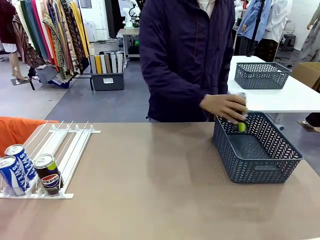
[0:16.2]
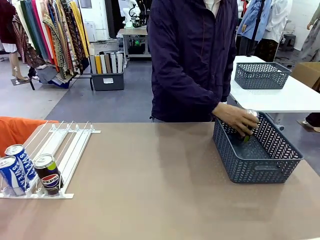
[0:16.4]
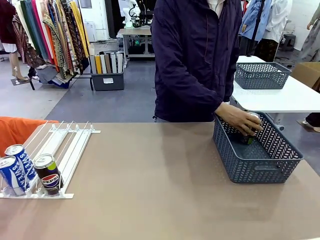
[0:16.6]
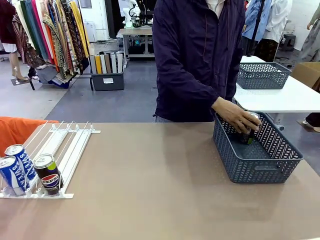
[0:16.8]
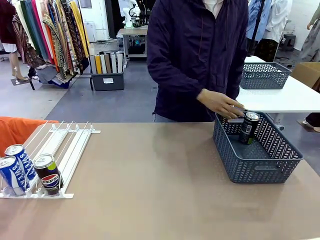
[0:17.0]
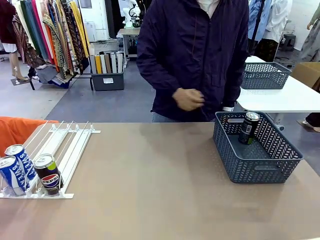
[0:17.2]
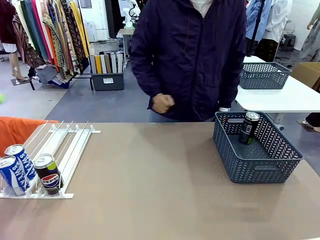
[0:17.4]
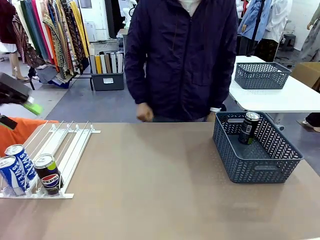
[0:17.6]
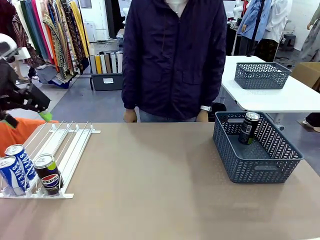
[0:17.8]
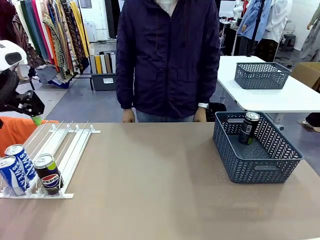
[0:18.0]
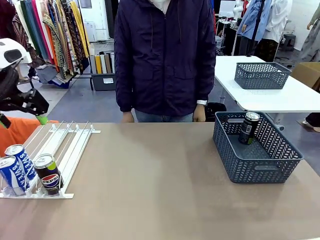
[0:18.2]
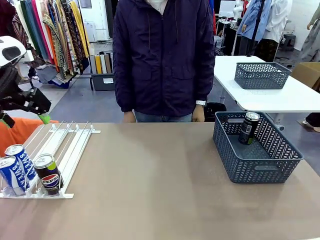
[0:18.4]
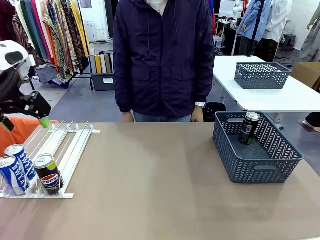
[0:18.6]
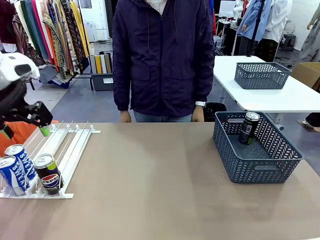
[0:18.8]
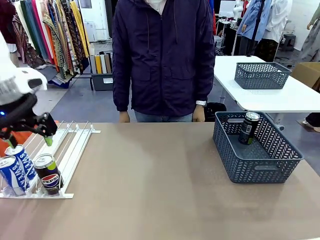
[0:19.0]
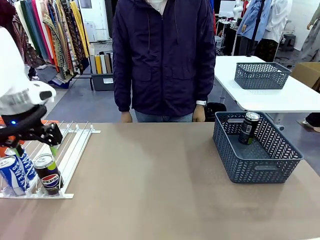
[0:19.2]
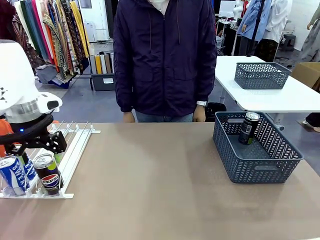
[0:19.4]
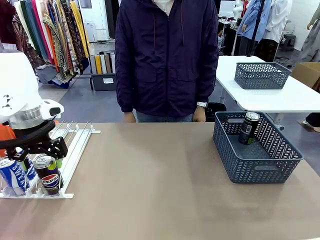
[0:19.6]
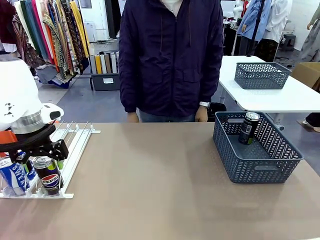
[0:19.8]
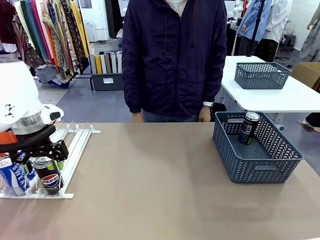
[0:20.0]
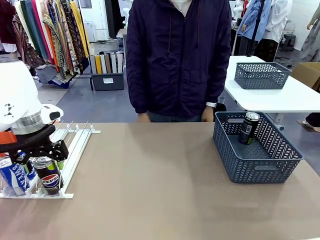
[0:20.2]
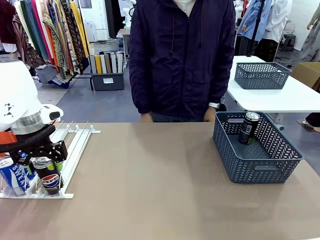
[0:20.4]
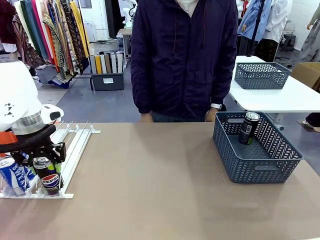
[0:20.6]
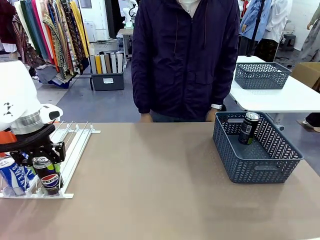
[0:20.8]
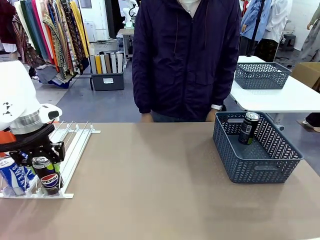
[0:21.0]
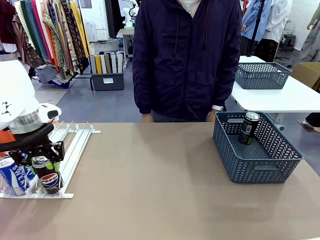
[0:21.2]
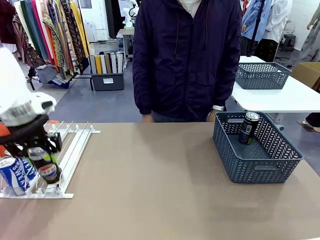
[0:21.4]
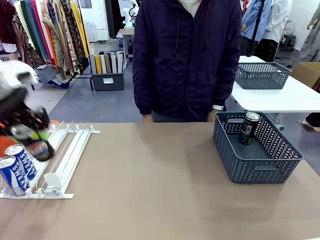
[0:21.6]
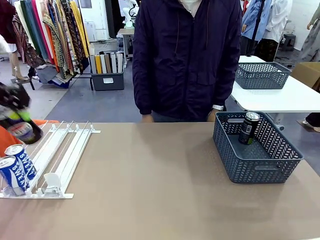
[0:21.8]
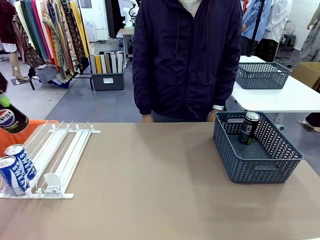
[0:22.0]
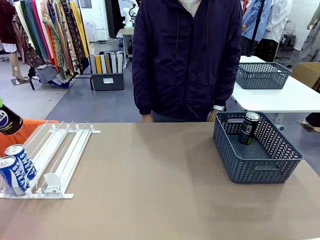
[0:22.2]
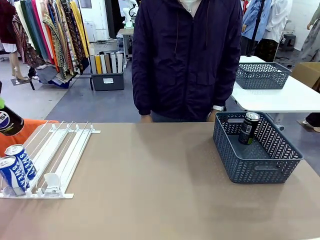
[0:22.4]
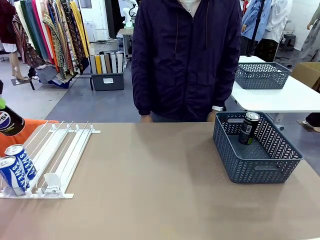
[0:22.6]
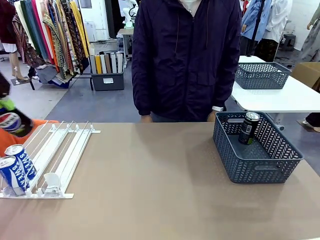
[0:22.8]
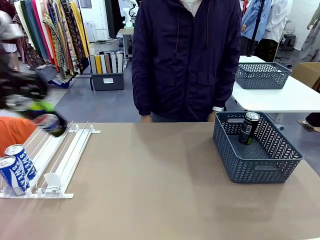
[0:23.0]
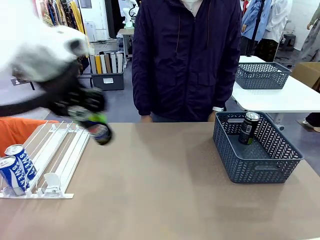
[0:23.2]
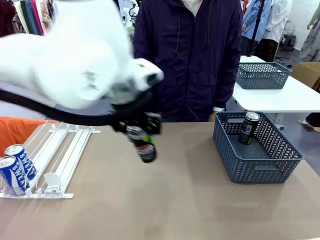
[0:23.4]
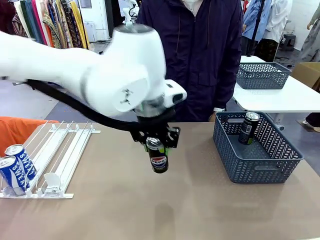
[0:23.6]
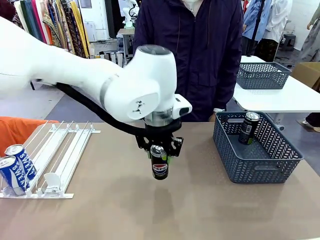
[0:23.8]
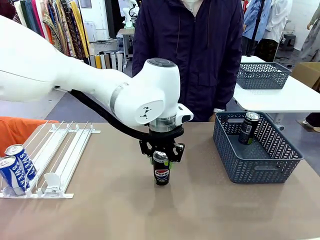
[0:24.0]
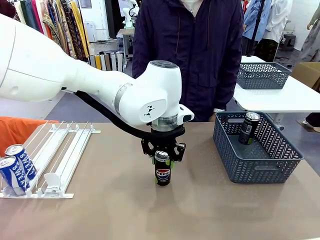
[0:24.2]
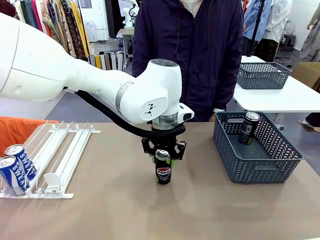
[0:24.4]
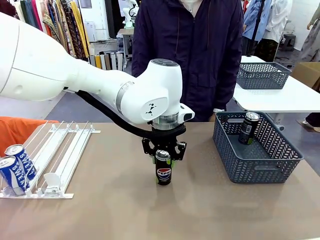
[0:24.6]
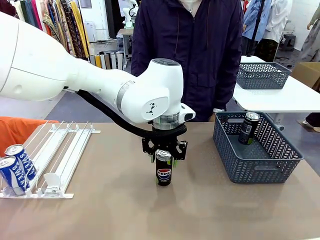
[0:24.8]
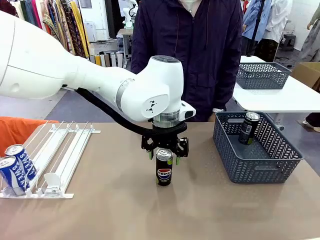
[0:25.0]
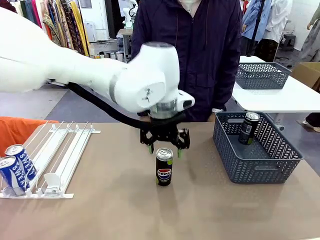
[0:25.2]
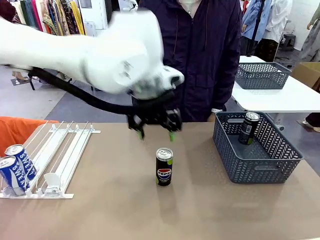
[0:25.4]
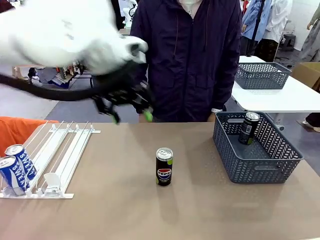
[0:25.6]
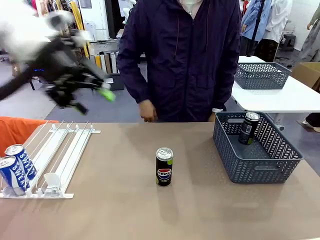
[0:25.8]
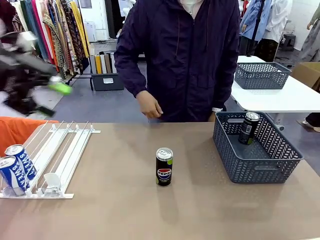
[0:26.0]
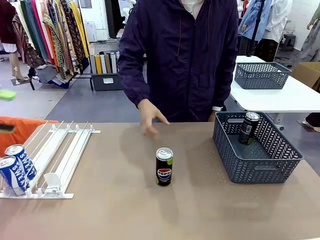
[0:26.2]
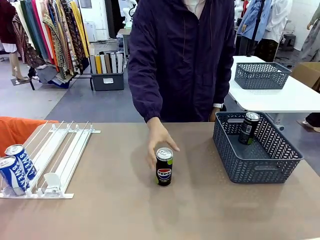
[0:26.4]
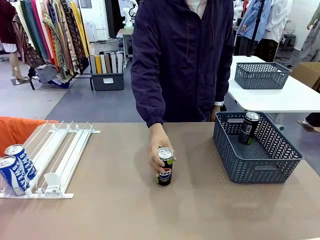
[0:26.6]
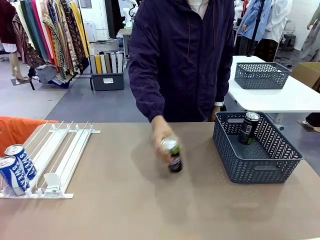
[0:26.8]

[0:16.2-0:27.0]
Task: Retrieve and store the cans from the dispenser.
Robot: Pick up the last remaining can from one row of the Automatic Can Dispenser and place it in the middle of the table.

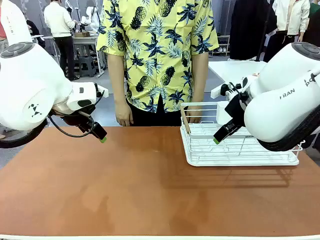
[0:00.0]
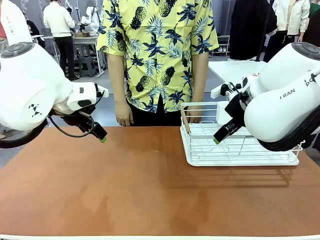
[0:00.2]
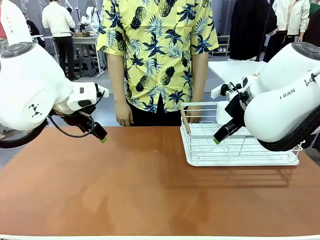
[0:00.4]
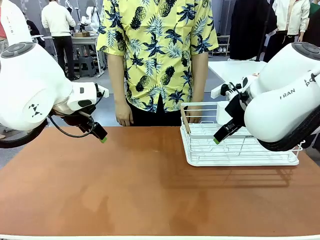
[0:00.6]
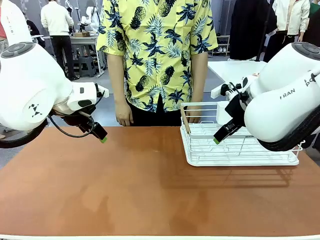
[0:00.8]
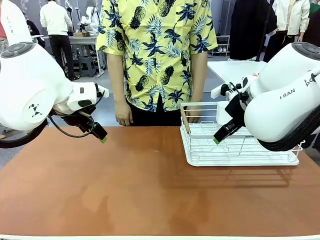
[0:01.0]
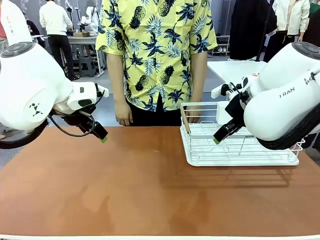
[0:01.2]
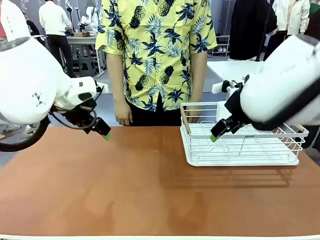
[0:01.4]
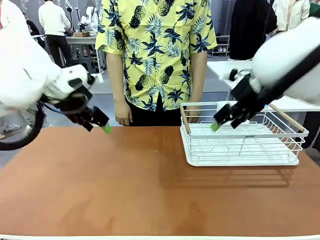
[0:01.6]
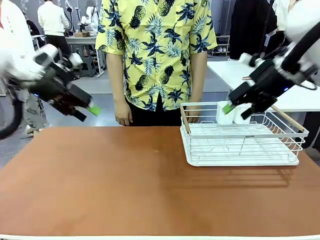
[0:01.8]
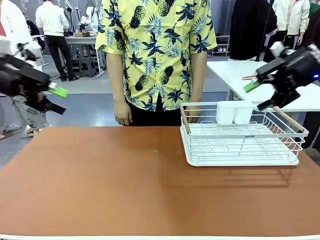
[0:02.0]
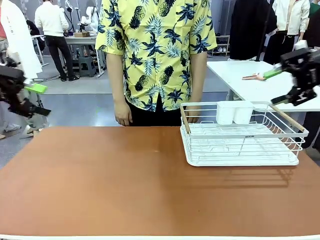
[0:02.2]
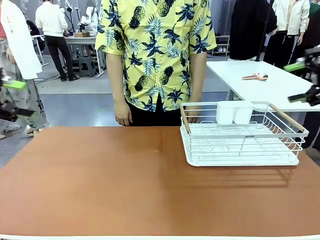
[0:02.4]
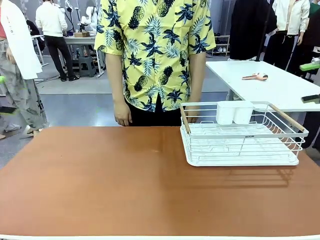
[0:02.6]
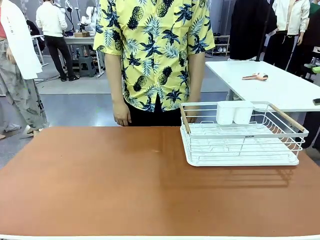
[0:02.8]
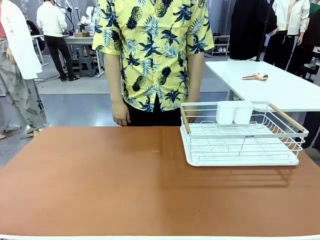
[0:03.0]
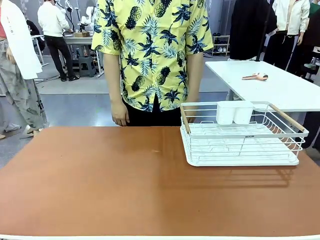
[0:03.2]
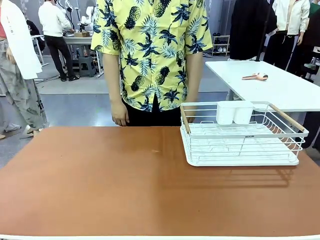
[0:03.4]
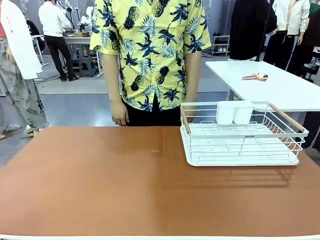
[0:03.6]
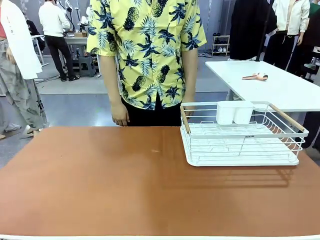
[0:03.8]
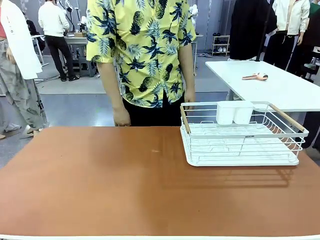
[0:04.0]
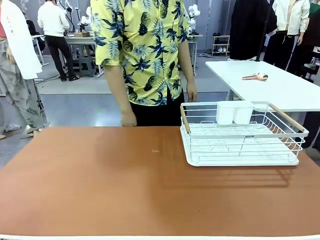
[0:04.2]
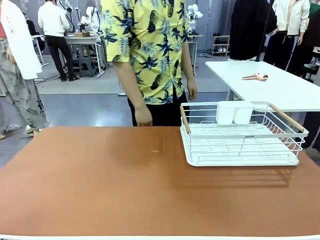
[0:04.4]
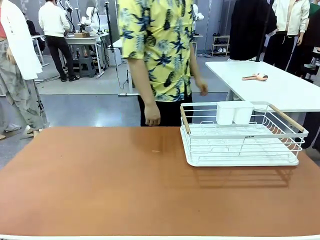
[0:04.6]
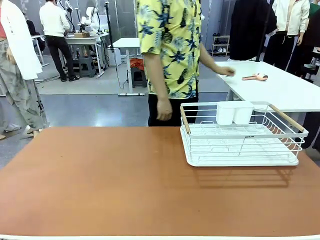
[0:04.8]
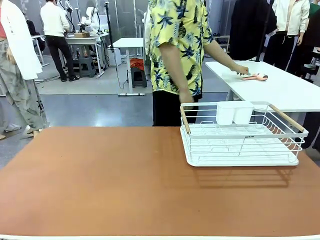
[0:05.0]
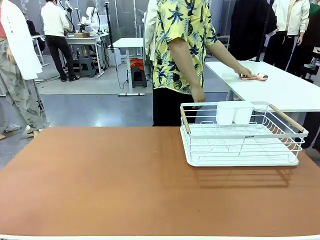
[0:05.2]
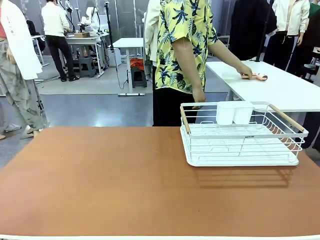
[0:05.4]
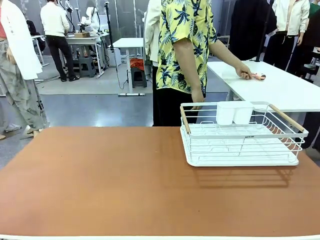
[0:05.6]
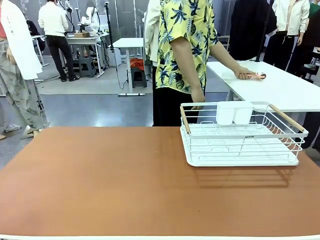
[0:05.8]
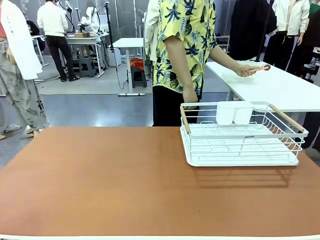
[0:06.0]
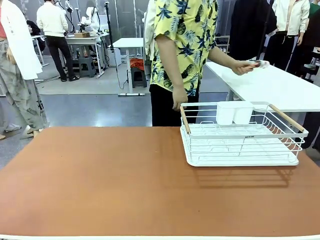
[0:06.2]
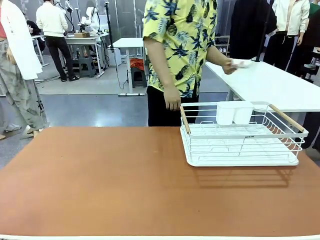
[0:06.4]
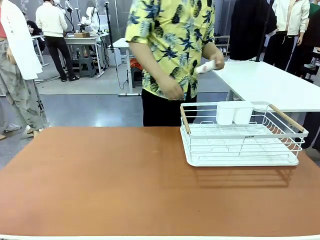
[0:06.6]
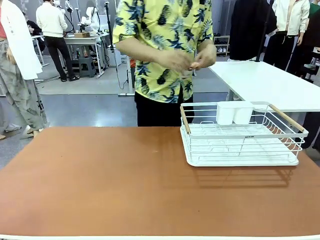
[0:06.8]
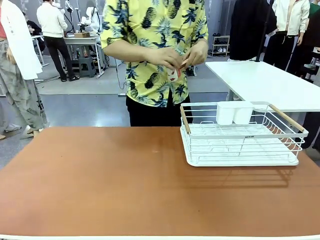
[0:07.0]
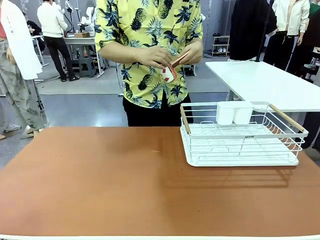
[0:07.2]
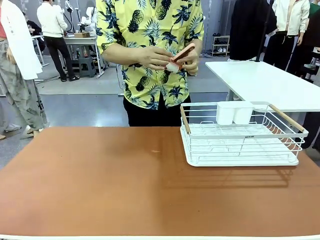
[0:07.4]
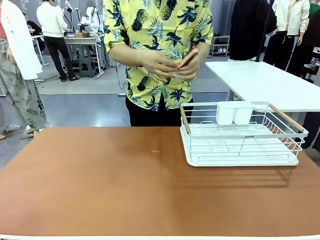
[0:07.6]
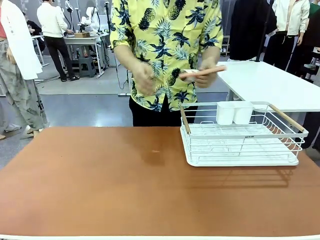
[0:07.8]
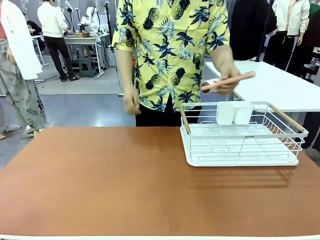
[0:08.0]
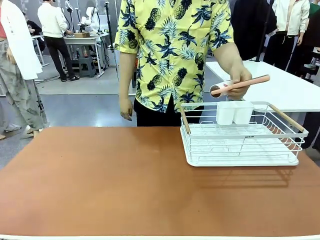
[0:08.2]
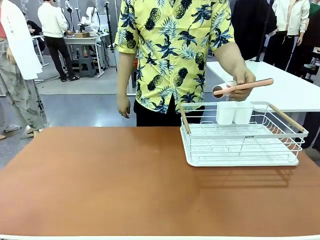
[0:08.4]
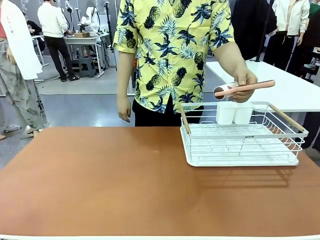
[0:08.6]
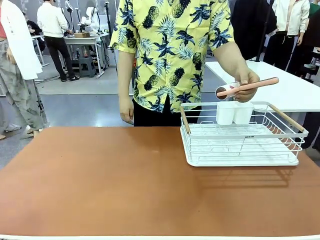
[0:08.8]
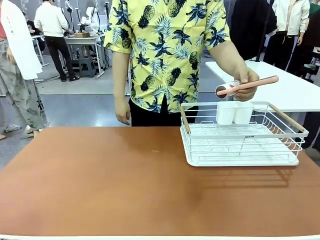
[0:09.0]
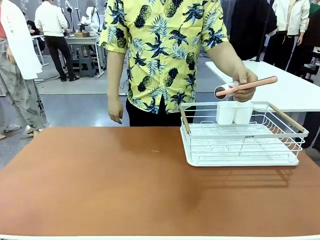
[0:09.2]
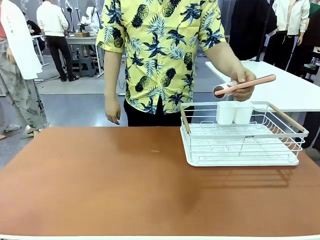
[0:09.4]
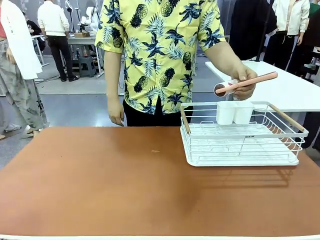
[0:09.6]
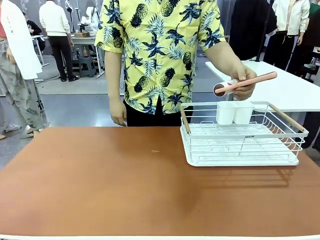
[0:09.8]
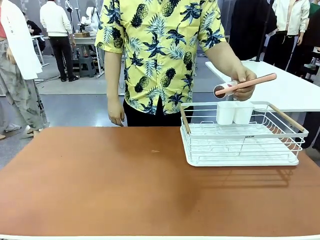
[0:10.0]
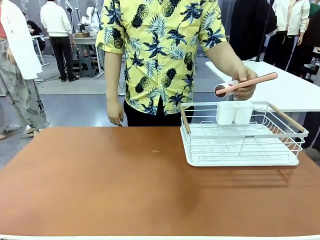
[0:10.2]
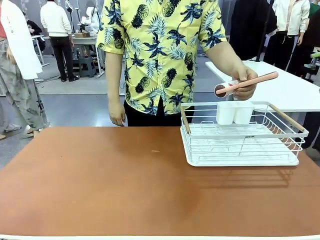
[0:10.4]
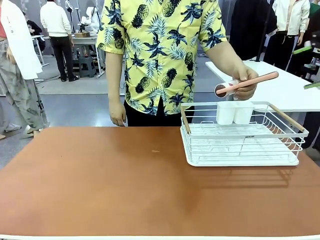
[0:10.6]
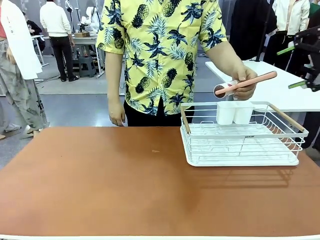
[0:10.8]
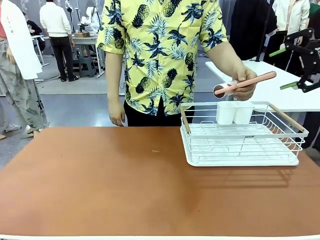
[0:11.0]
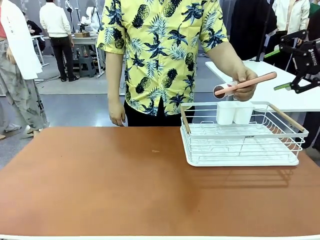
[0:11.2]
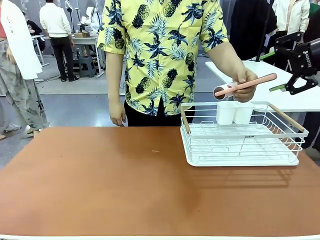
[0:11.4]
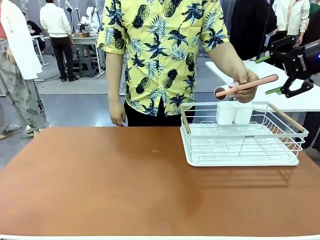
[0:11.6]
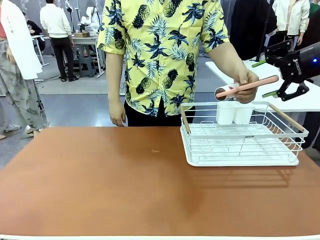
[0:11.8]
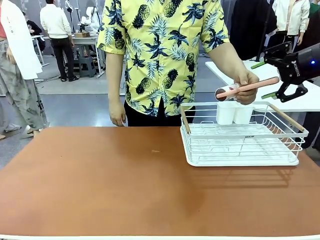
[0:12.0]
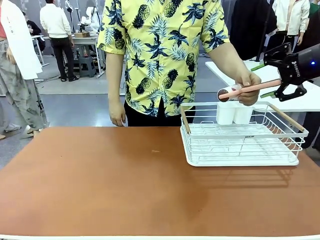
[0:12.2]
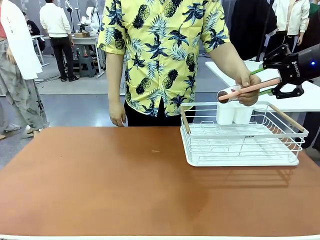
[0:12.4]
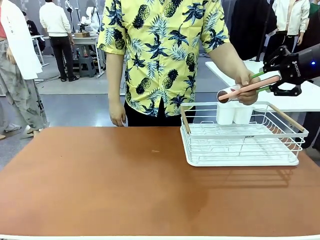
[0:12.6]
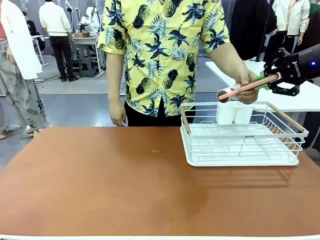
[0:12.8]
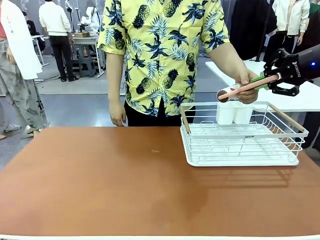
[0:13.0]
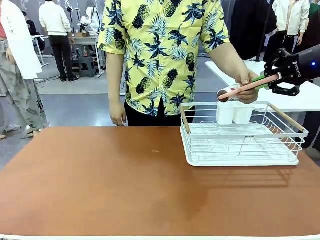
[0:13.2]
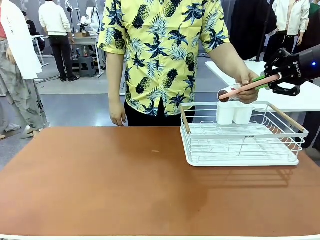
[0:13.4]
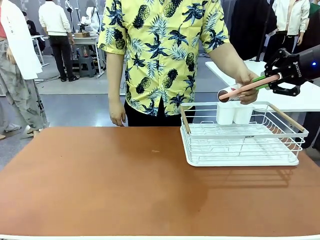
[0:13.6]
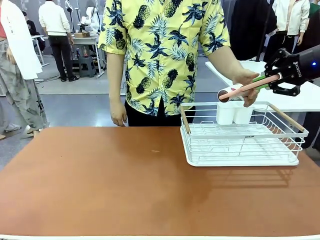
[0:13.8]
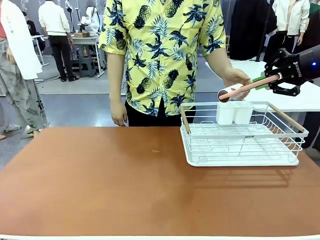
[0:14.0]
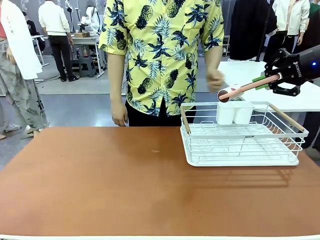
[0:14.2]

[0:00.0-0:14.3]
Task: Clean the table.
Robot: Pick up the Lint Roller when the human hands it over.
Person: Hand the Lint Roller to the robot so it can easily pick it up. Lift the Dish drying rack.
